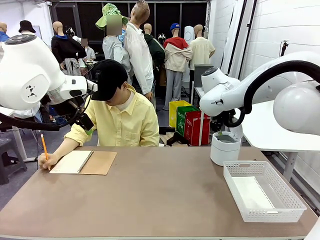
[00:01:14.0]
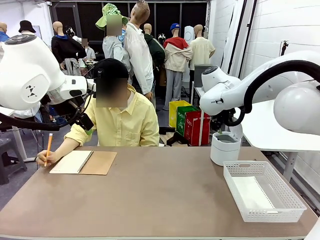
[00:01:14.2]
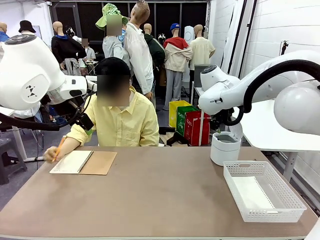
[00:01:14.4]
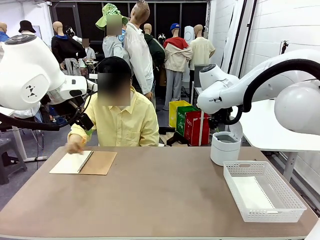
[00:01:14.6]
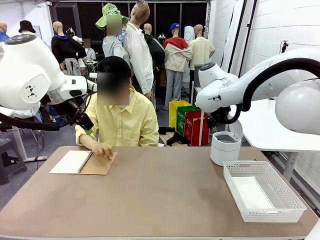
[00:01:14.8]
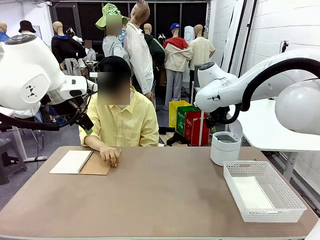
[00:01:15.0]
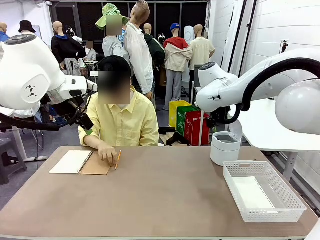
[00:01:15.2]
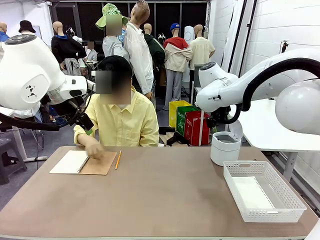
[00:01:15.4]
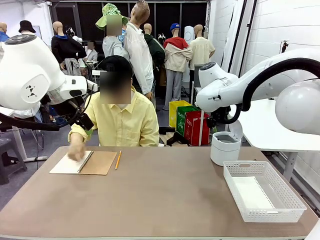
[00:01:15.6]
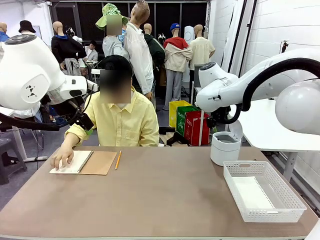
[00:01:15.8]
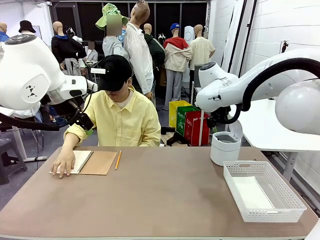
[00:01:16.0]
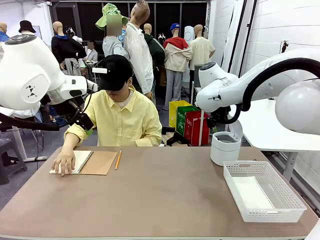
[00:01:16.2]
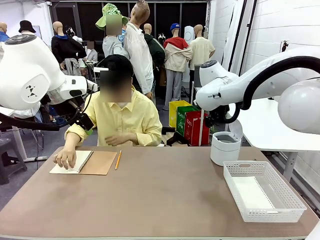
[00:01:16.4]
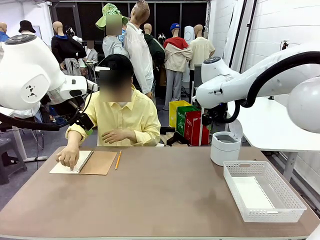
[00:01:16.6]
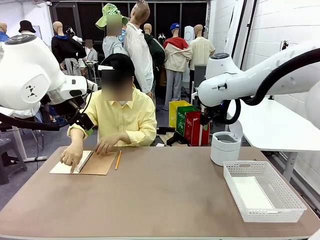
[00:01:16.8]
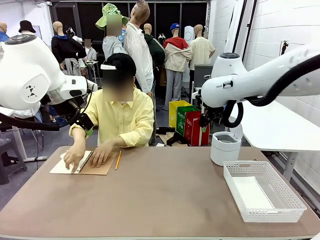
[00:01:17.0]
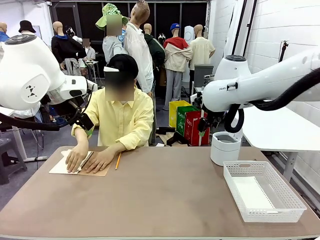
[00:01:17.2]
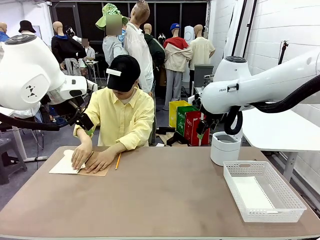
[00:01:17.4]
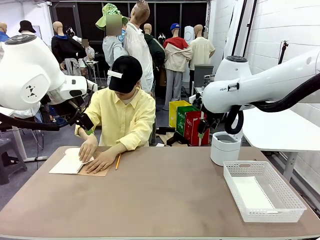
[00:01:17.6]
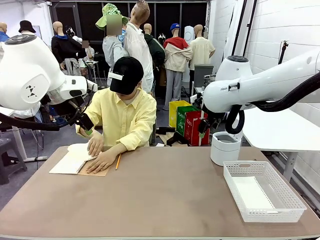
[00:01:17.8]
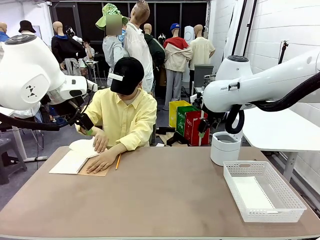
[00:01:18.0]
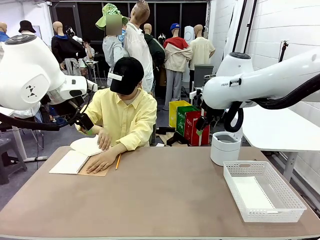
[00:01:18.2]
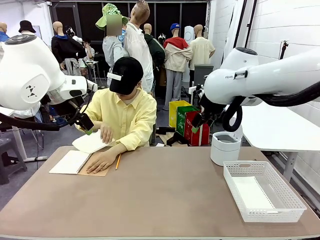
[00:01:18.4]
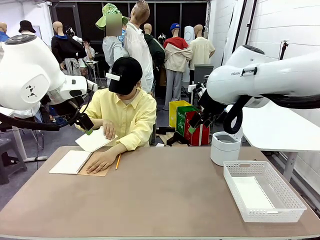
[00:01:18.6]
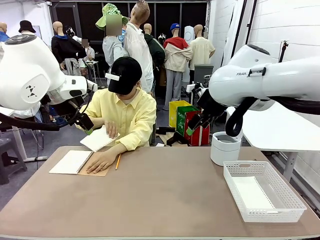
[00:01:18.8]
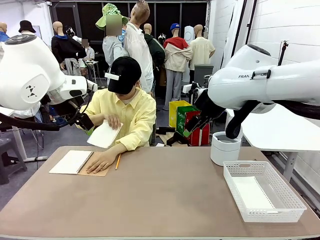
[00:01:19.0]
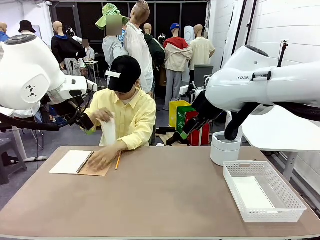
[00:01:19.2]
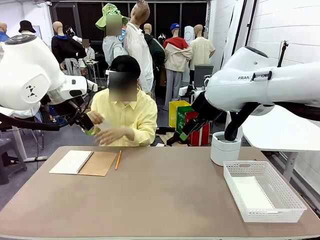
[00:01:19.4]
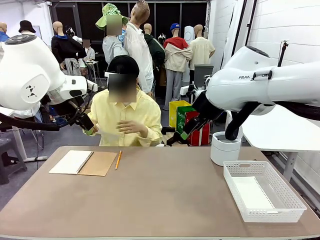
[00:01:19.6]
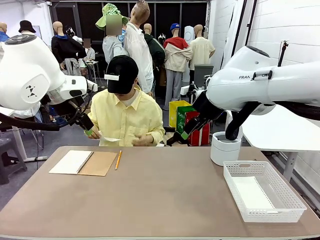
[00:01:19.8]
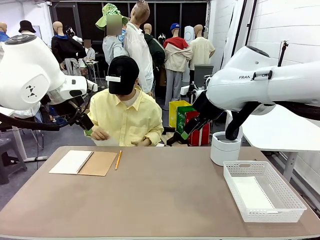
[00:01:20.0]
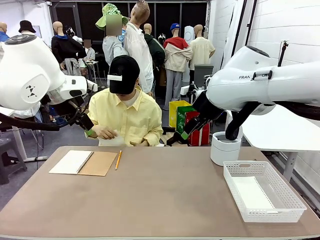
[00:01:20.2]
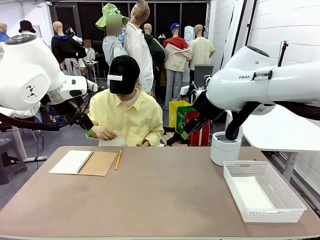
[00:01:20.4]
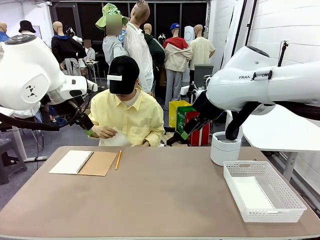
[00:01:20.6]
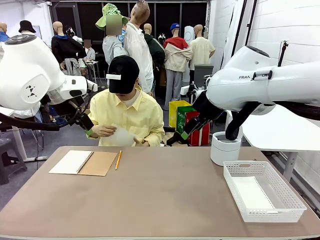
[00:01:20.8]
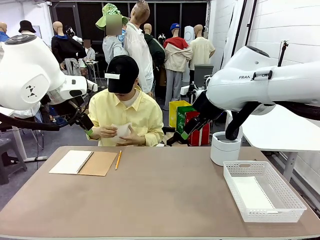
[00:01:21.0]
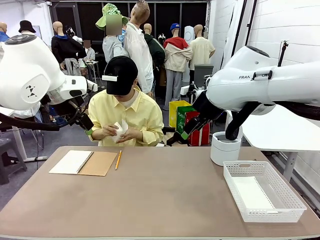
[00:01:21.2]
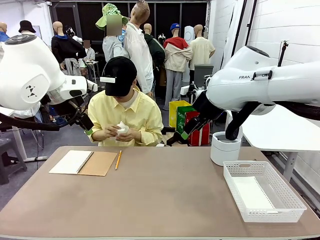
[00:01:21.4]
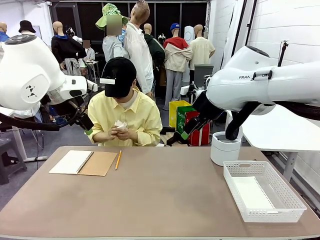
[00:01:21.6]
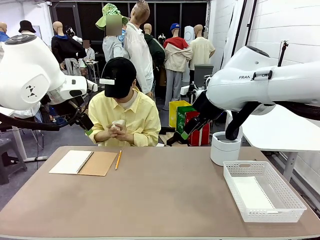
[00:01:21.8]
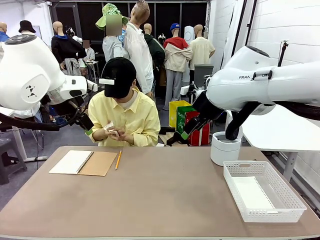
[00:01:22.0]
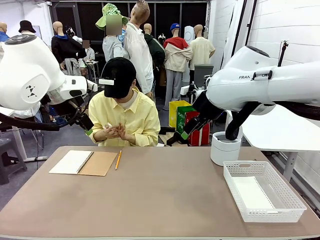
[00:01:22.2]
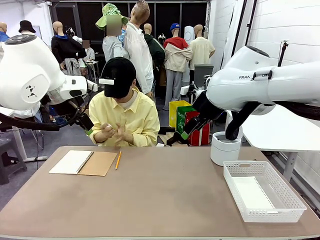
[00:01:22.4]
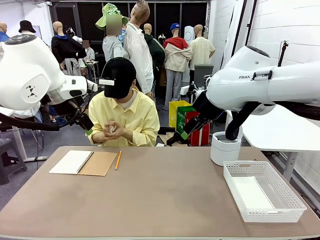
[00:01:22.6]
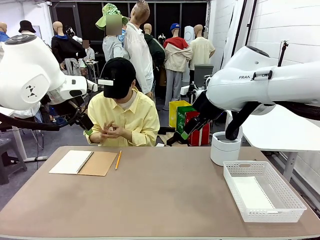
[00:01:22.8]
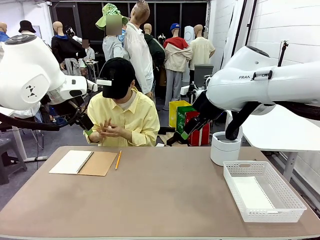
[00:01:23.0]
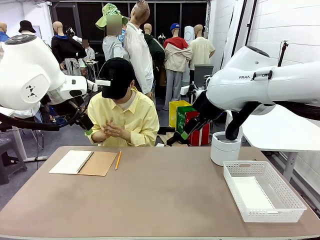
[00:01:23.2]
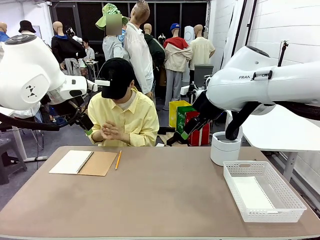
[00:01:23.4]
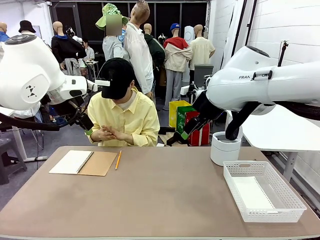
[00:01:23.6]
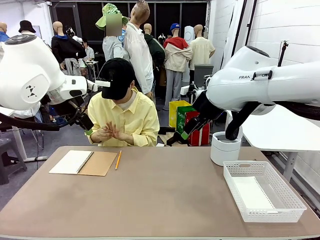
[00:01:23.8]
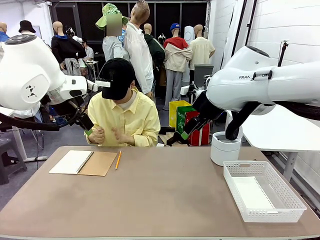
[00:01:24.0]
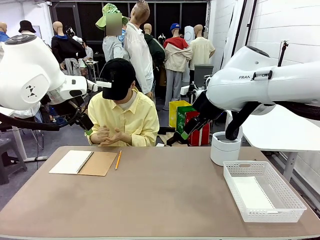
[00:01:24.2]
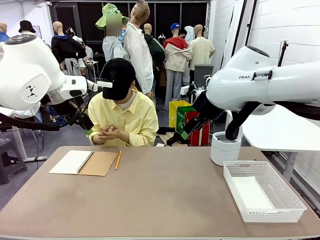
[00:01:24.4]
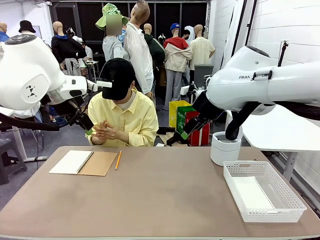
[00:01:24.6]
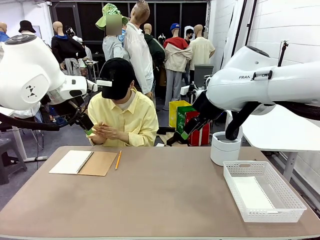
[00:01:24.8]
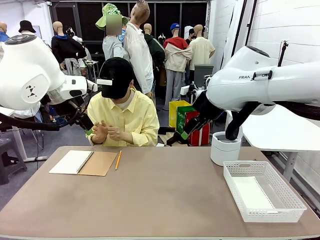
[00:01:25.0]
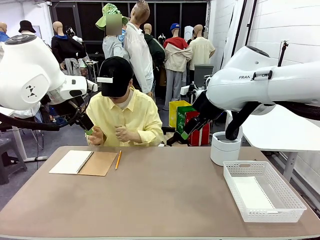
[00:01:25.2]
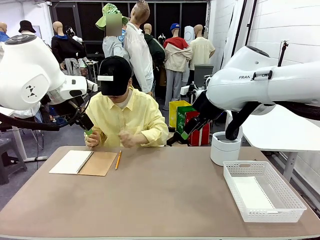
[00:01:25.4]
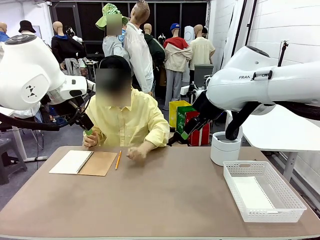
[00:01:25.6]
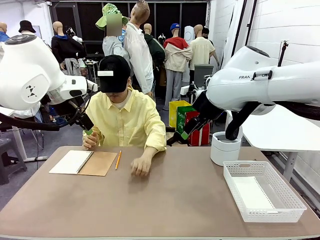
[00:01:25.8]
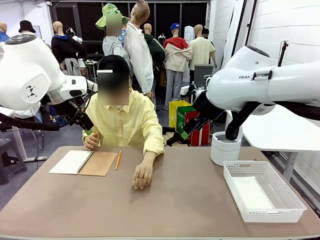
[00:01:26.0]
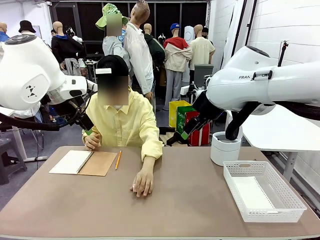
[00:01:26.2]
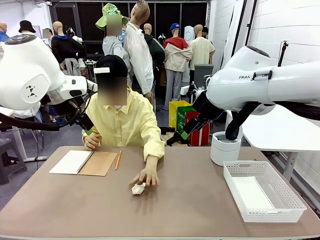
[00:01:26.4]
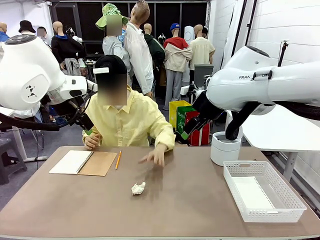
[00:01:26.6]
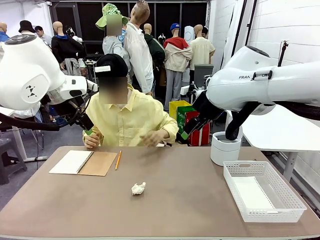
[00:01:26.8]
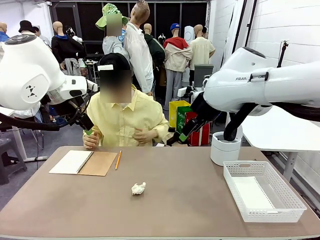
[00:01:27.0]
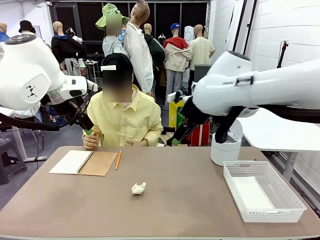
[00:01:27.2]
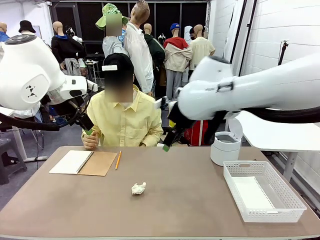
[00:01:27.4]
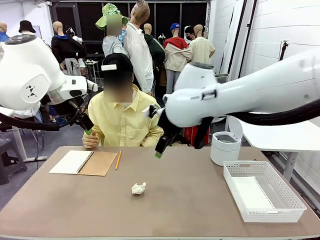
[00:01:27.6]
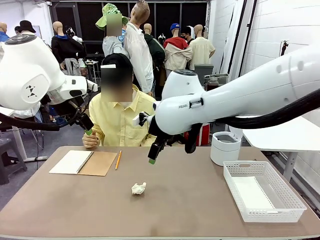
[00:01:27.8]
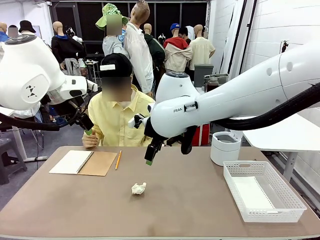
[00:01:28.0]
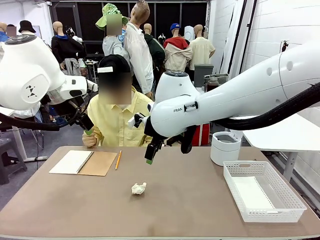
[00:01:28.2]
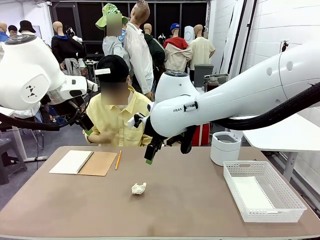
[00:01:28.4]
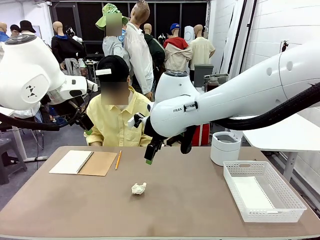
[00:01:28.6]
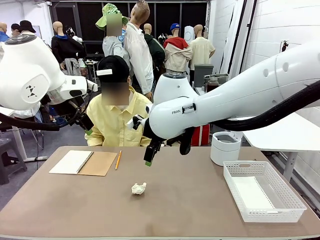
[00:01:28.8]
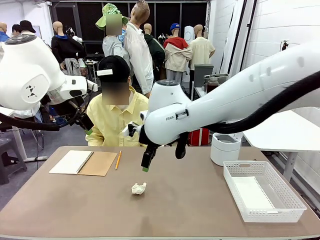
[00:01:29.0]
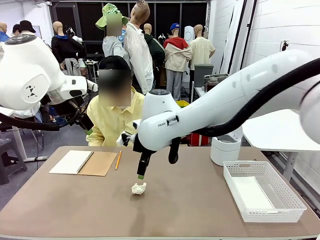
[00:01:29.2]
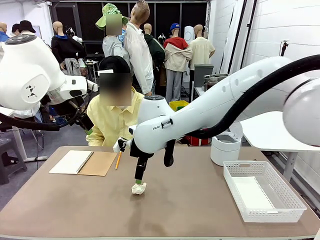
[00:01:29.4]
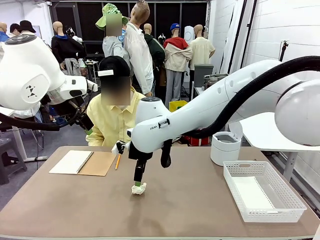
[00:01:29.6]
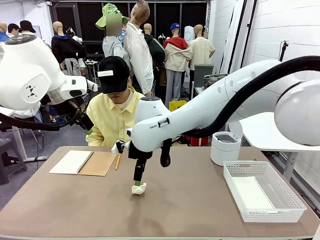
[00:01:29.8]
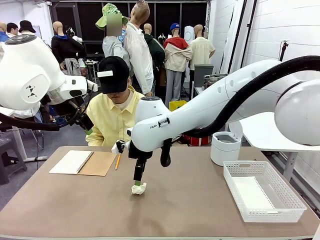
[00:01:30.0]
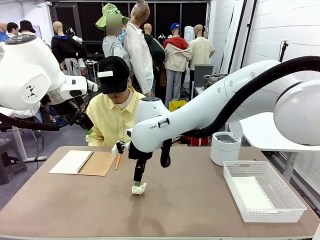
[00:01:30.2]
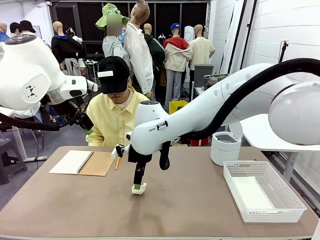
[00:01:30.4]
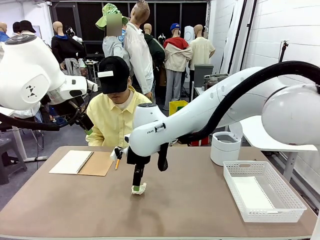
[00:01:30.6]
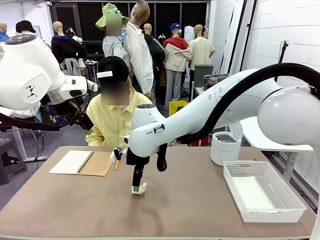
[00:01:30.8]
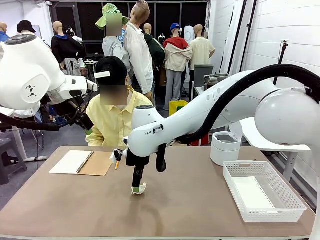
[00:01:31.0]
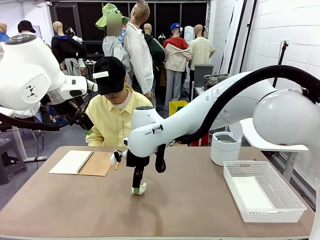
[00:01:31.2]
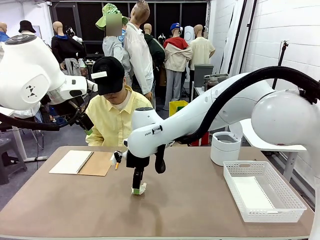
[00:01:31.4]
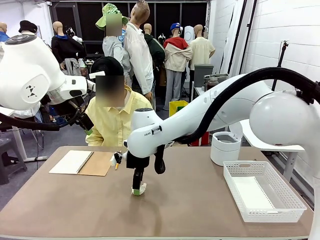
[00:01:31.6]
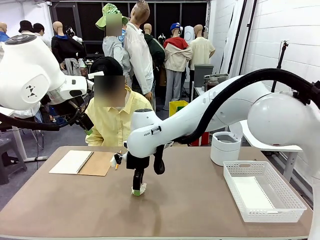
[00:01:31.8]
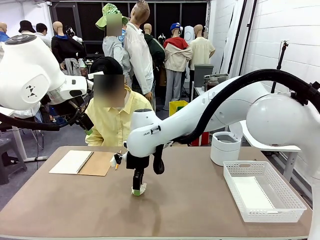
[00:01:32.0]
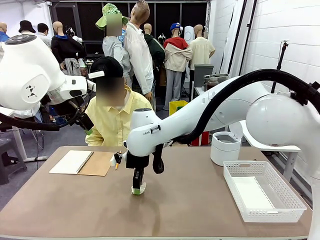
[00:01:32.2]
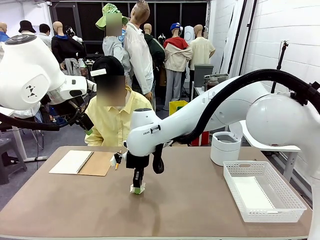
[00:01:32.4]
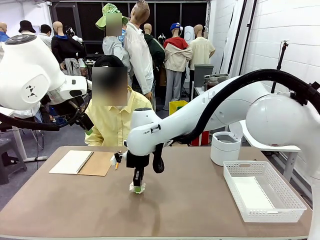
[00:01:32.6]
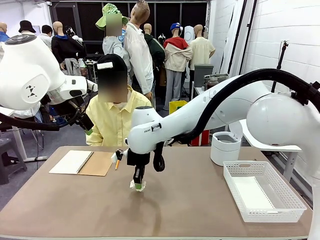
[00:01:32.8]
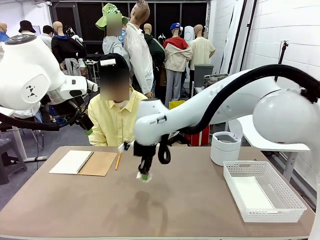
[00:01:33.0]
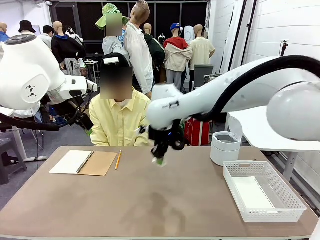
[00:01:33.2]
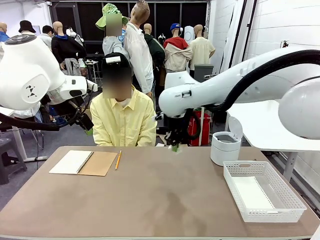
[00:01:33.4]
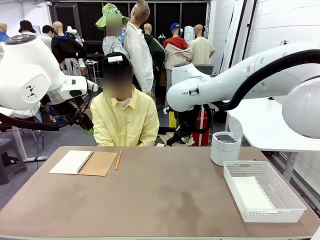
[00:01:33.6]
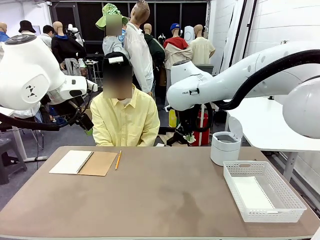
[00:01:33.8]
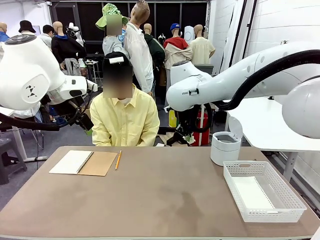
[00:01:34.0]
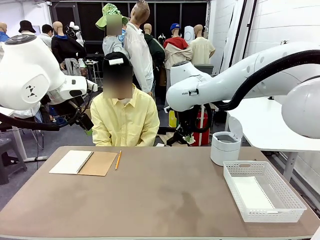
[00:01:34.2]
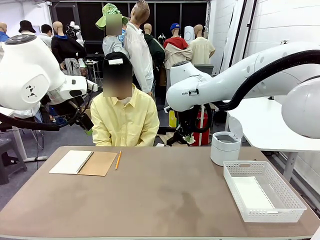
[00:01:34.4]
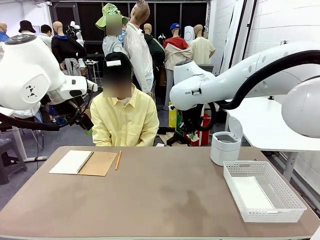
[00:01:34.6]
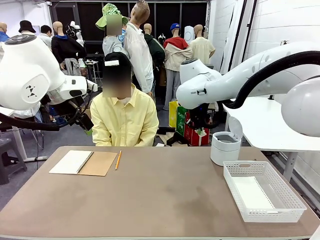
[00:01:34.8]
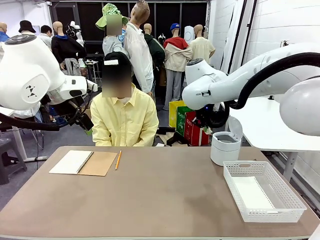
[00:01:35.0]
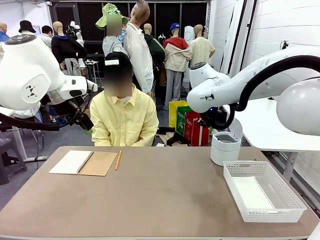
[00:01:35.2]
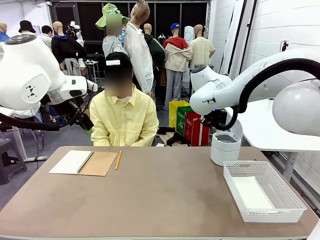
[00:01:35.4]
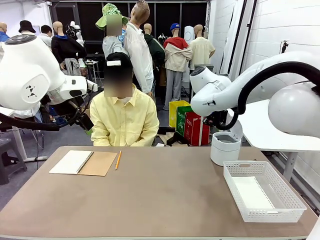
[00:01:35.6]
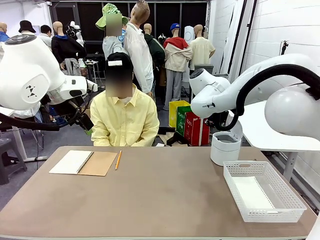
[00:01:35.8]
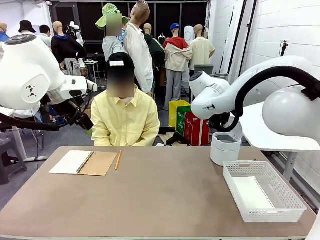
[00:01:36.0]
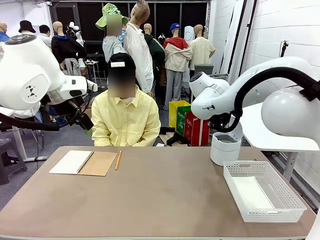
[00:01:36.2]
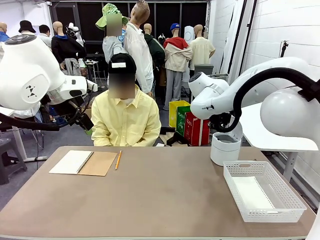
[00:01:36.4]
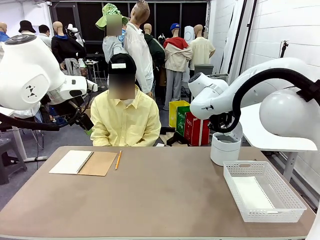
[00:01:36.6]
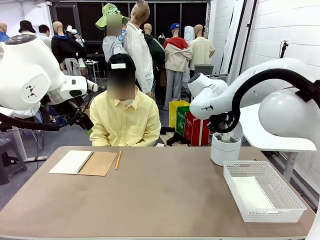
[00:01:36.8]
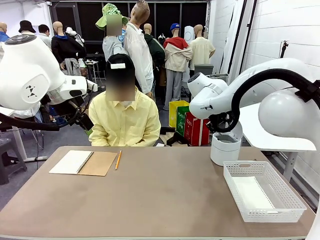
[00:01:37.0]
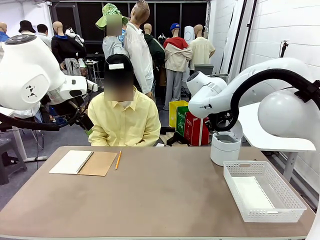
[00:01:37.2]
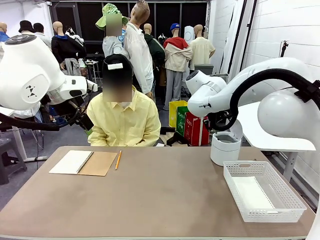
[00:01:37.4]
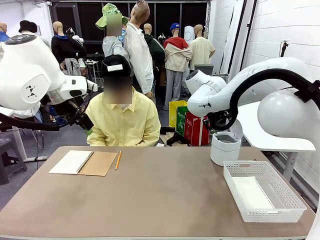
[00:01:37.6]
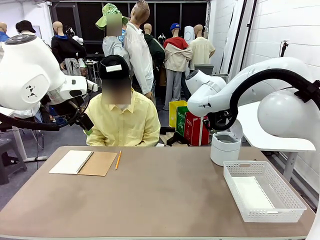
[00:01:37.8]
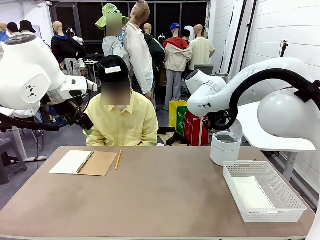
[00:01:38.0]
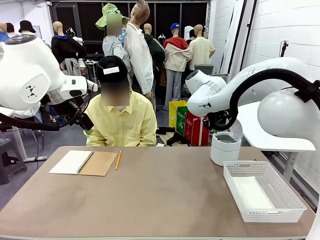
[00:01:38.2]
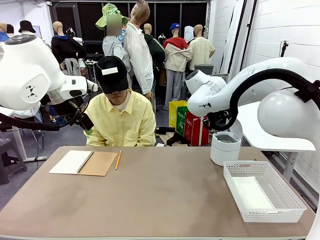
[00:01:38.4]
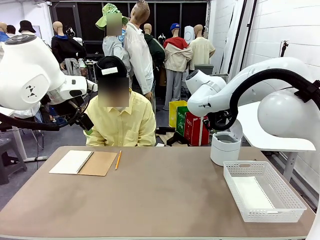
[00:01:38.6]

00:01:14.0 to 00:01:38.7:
Task: Sort the paper based on its condition.
Robot: If a person hands you a paper, place it in the Organizing basket , and if it's crumpled, put it in the Trash can.
Person: Hand the torn page to the robot or crumple it and throw it to the center of the table.
